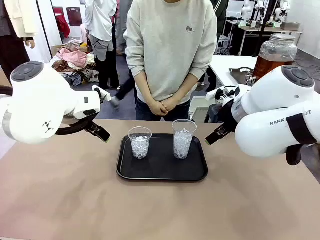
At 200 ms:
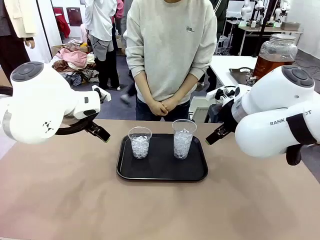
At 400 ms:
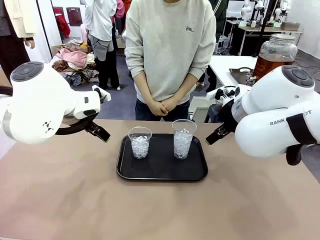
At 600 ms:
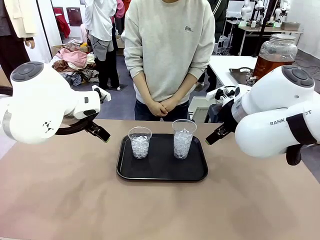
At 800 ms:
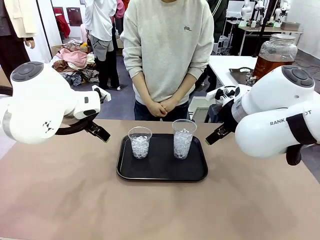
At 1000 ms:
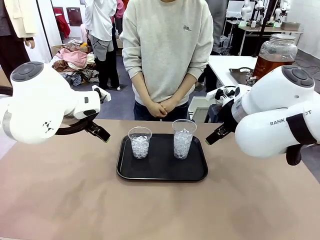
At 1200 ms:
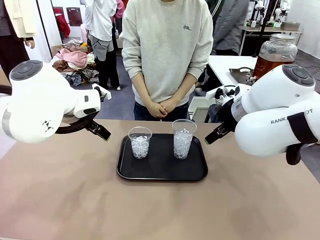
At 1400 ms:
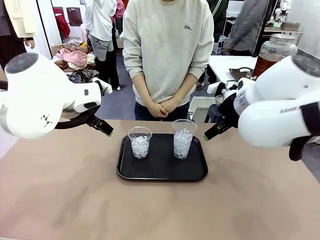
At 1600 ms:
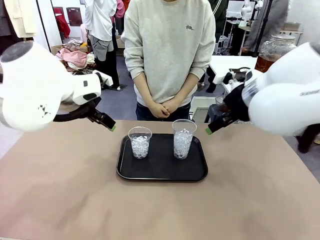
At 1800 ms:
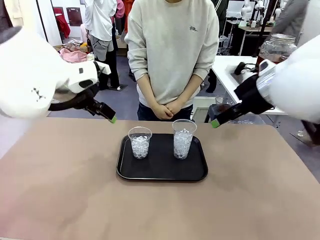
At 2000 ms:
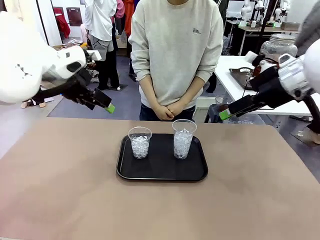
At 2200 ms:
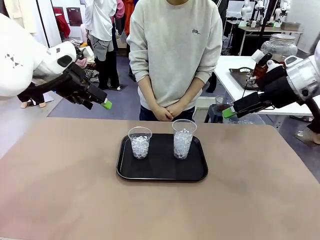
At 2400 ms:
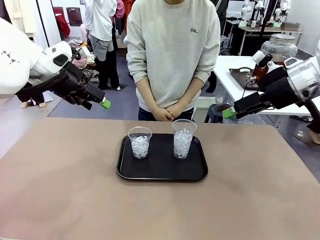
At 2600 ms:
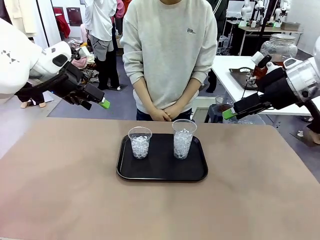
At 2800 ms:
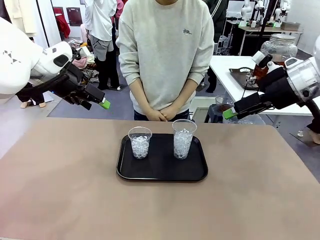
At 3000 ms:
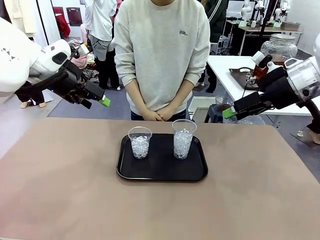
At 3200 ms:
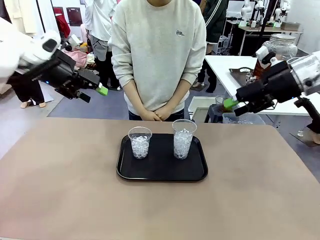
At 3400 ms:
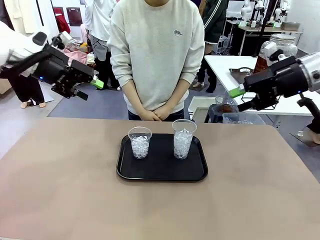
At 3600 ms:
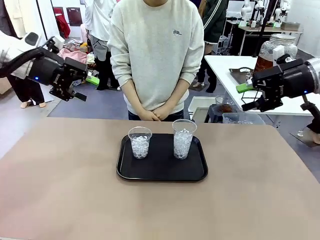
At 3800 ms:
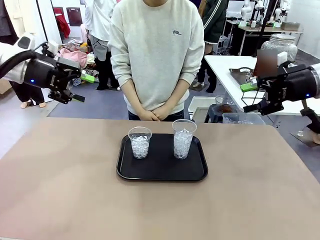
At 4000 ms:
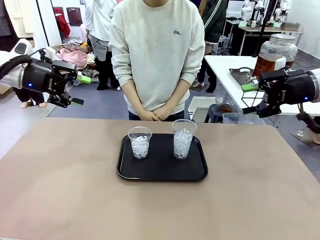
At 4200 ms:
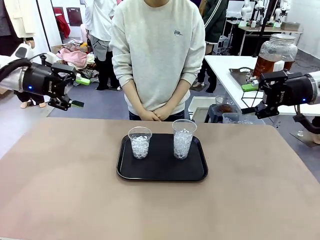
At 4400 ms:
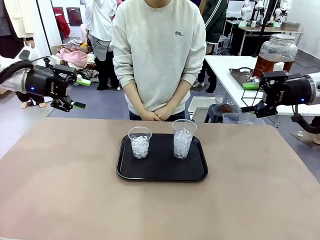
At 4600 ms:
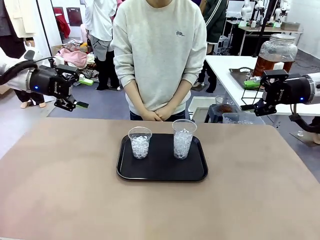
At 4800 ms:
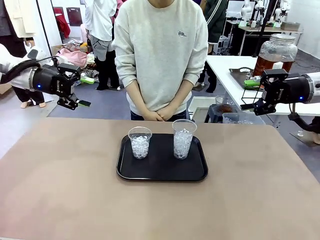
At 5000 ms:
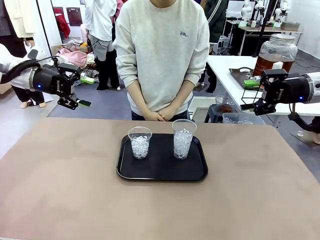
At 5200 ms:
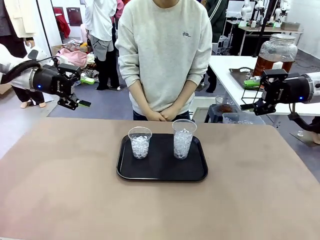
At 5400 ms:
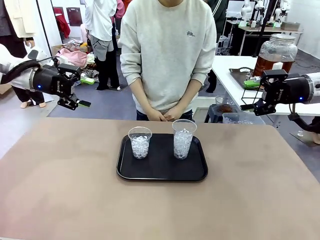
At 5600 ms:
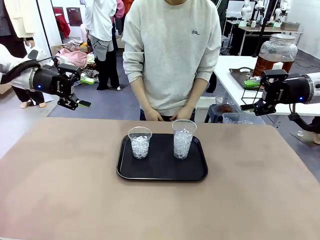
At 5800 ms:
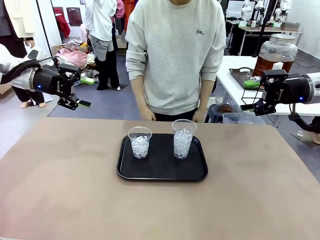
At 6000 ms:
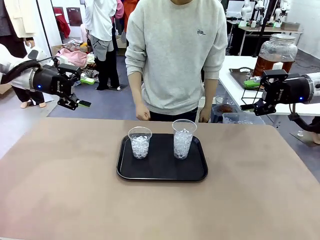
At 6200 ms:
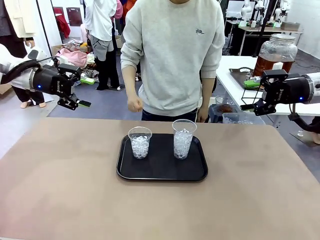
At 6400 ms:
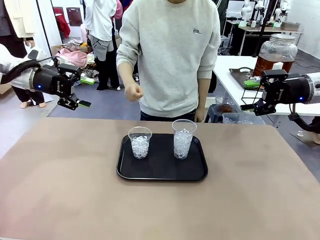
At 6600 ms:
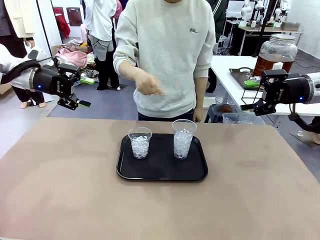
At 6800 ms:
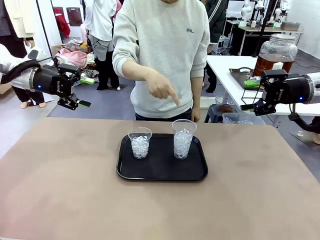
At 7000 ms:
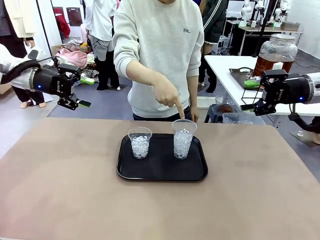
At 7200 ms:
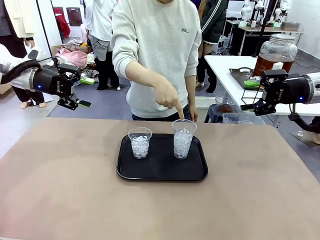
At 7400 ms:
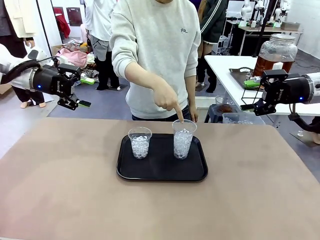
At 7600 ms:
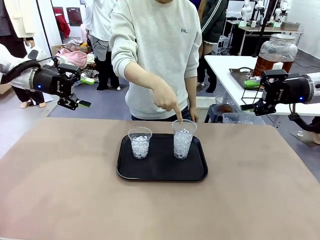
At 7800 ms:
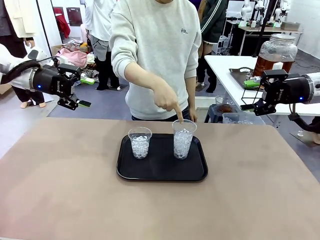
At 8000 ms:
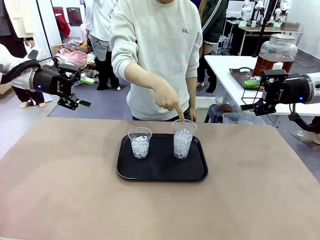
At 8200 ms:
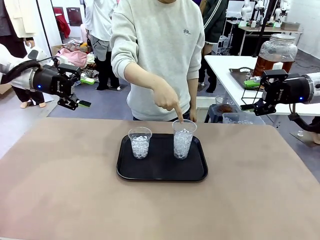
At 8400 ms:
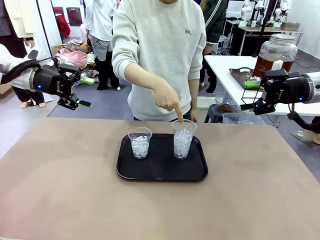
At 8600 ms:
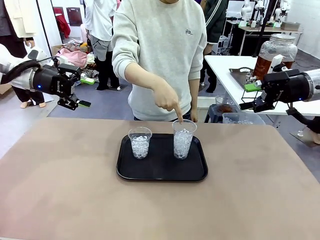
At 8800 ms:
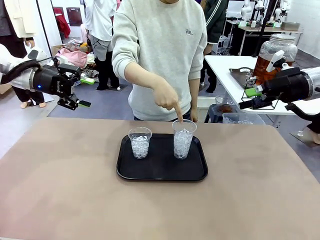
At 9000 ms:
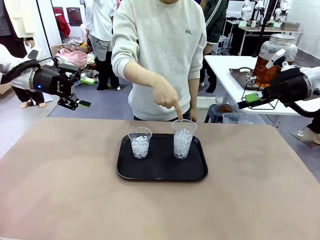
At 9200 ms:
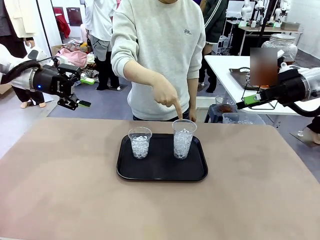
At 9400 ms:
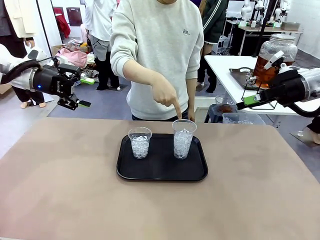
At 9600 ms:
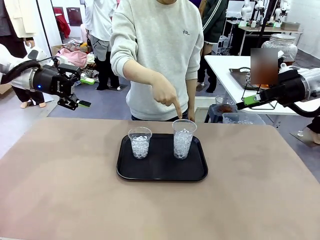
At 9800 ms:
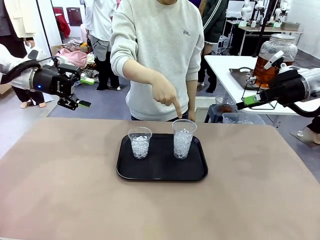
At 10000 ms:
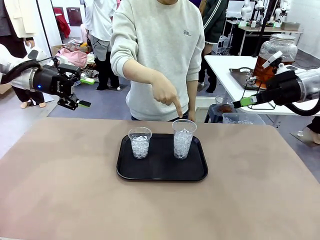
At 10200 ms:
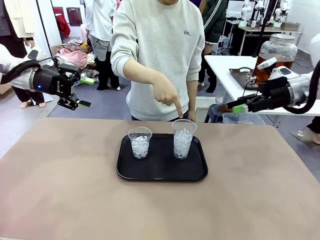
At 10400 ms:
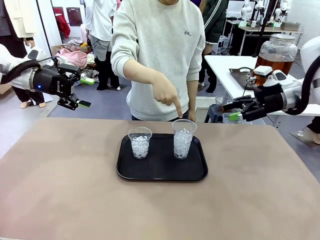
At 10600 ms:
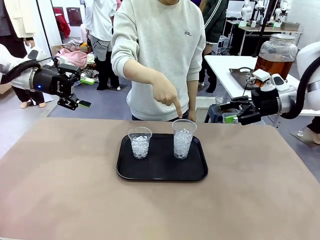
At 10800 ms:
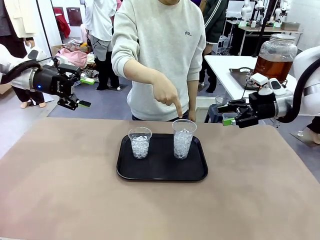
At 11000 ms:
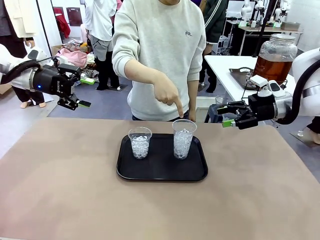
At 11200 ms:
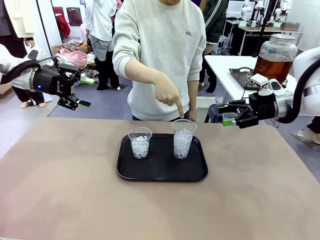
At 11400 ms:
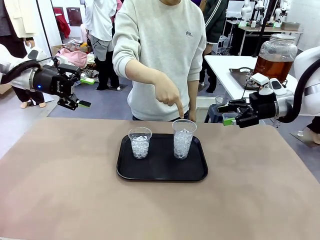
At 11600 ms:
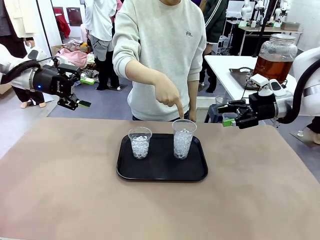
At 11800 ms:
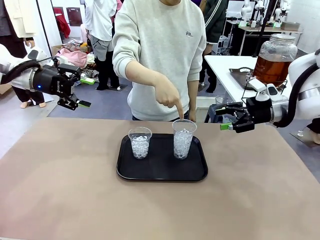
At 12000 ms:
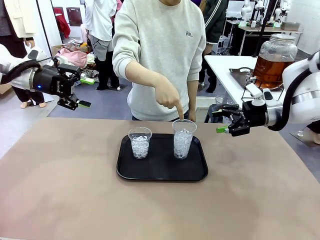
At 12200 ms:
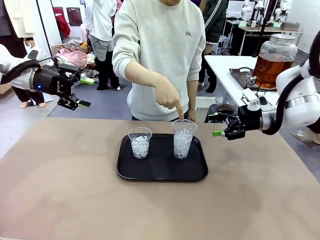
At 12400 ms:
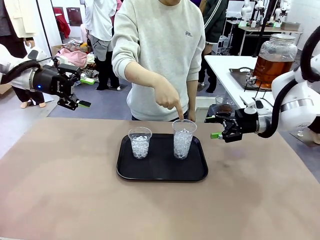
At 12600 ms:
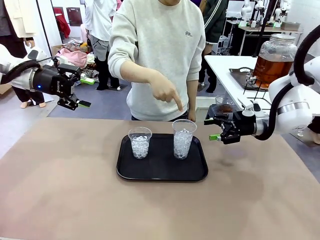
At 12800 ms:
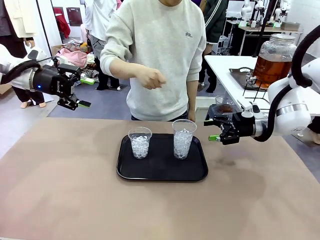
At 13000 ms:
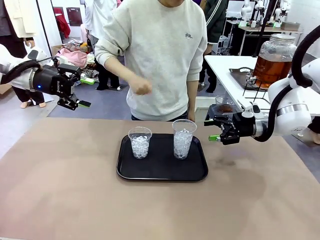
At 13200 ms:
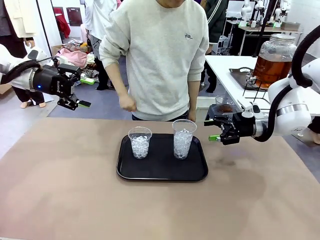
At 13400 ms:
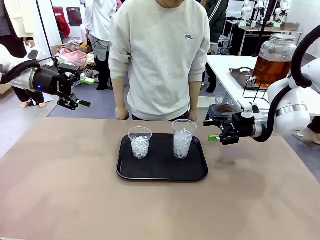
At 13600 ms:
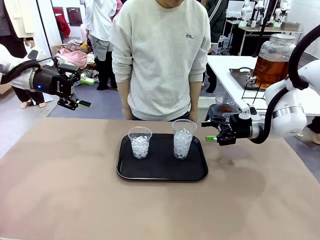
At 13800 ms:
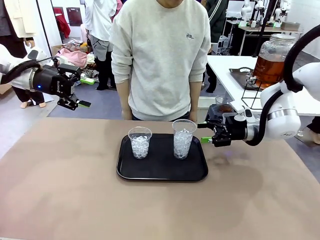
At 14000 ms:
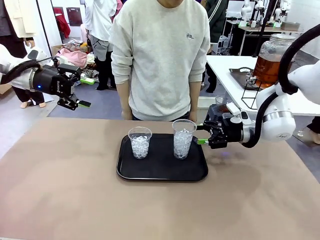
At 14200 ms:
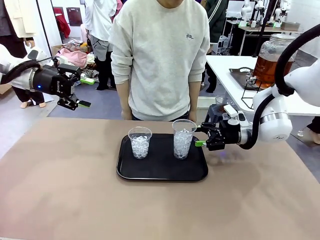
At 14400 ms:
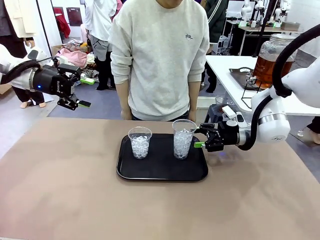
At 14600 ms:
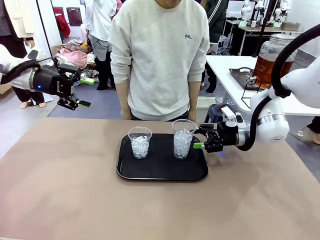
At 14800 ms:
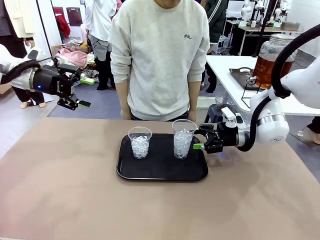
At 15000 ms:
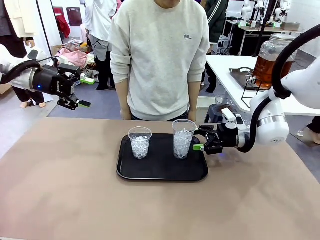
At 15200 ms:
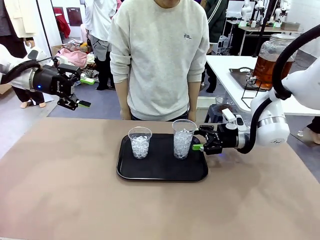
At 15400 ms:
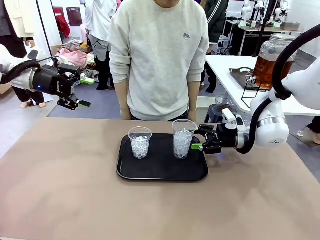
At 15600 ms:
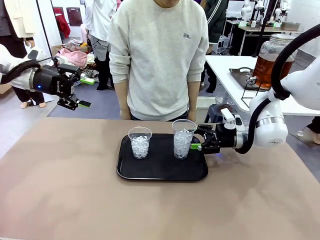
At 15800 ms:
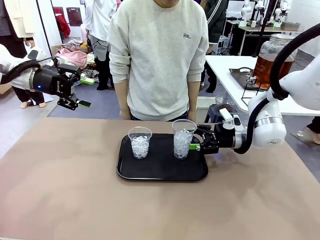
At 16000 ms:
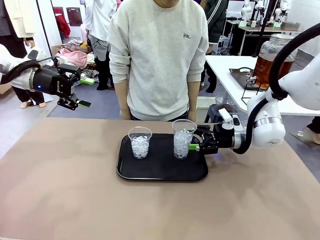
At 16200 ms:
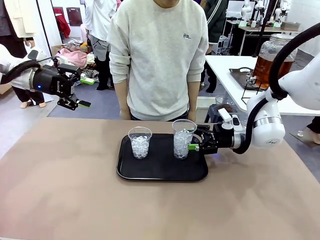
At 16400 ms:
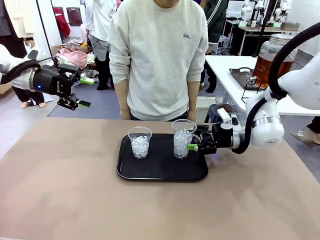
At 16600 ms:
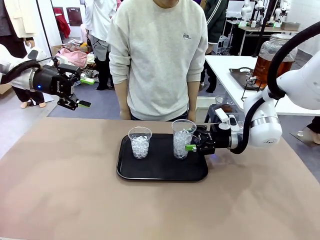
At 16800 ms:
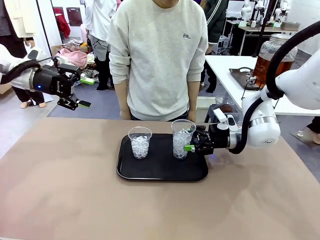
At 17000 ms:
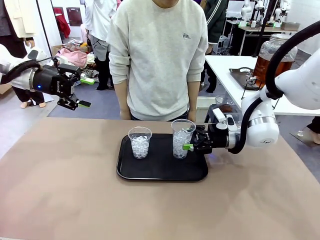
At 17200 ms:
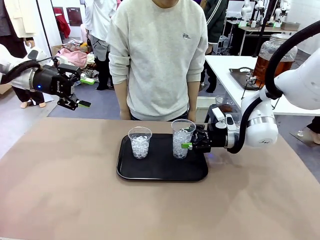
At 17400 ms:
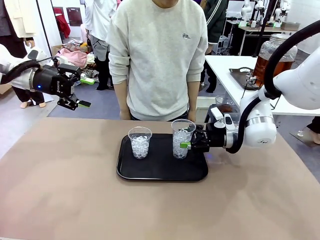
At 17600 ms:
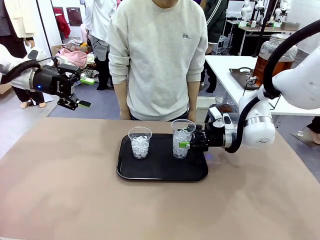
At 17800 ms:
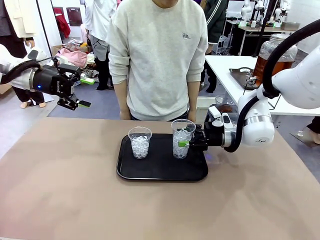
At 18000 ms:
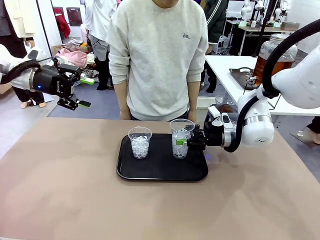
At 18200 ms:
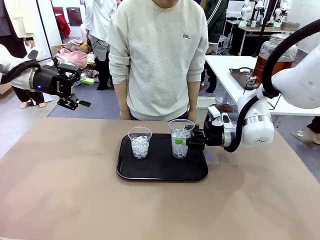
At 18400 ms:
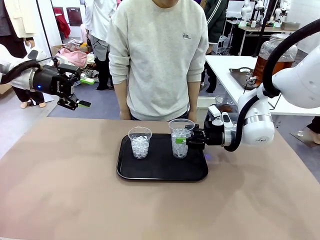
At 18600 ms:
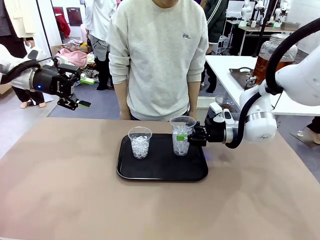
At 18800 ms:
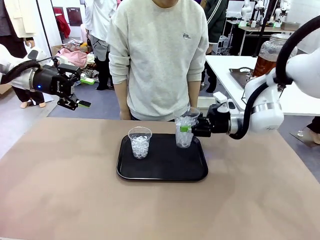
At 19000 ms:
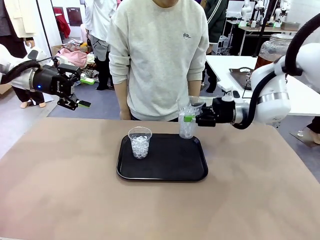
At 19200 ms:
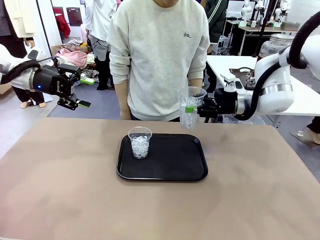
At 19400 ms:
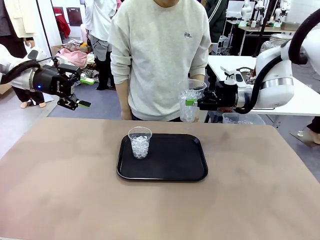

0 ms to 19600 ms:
Task: Pour the drink into the iced cup.
Robot: Pick up the iced cup indicated by the human and present it to them.
Person: Point to one of the two ice cups. Pick up the cup offered by the robot.

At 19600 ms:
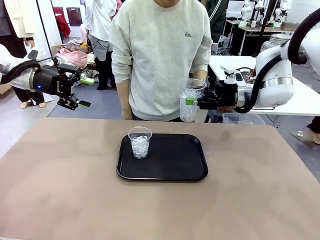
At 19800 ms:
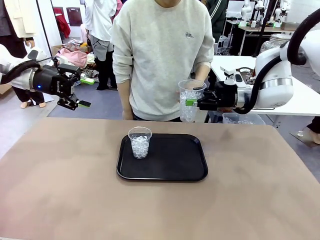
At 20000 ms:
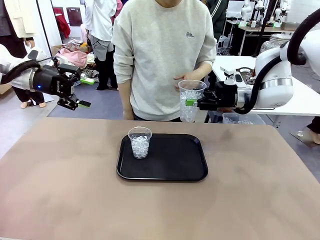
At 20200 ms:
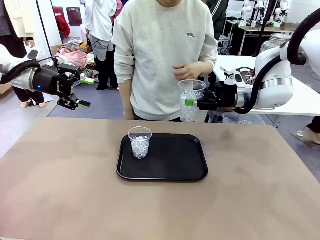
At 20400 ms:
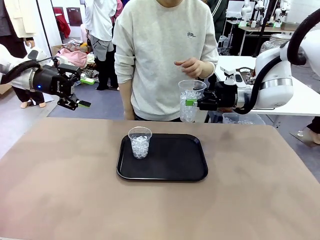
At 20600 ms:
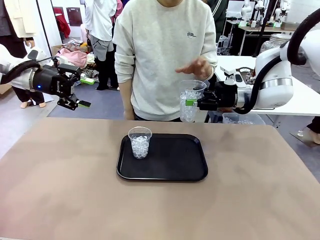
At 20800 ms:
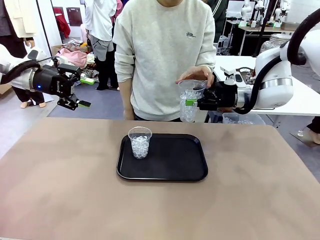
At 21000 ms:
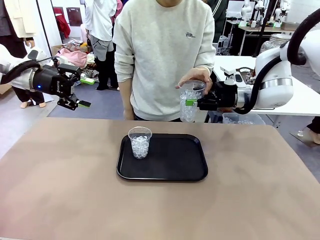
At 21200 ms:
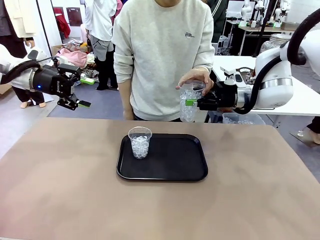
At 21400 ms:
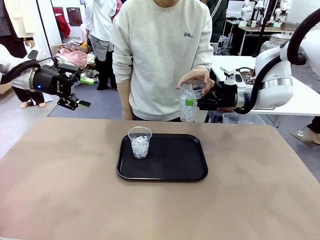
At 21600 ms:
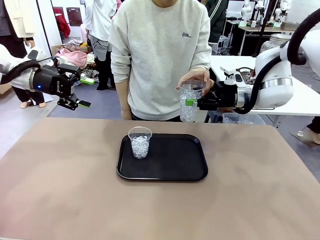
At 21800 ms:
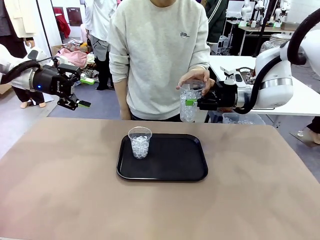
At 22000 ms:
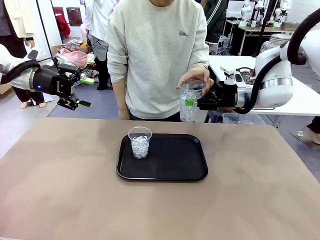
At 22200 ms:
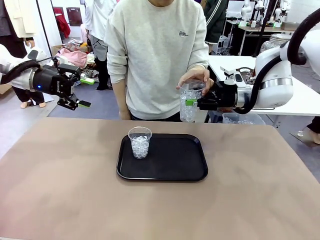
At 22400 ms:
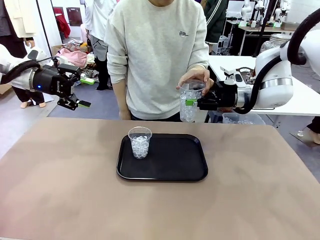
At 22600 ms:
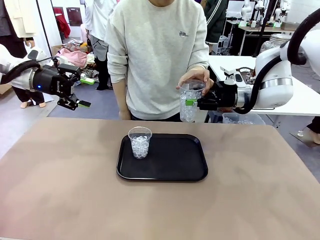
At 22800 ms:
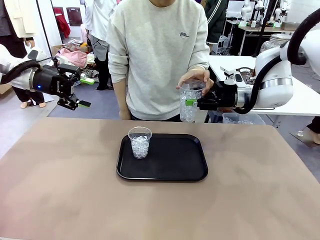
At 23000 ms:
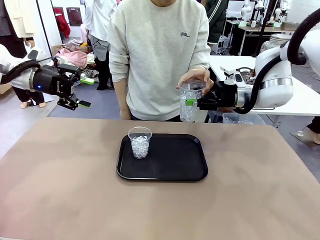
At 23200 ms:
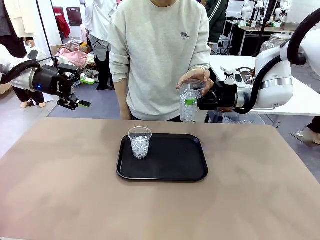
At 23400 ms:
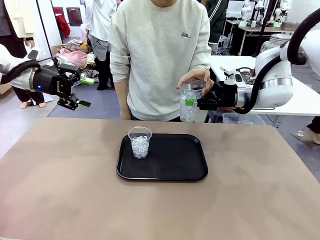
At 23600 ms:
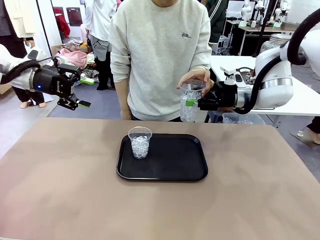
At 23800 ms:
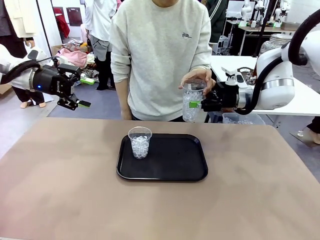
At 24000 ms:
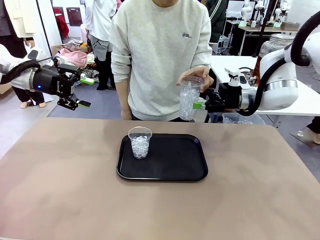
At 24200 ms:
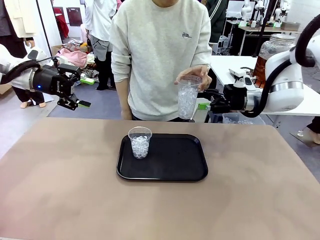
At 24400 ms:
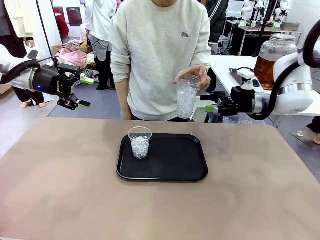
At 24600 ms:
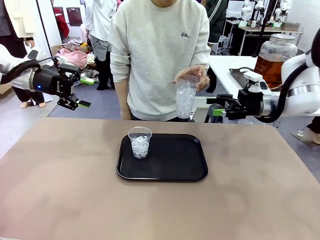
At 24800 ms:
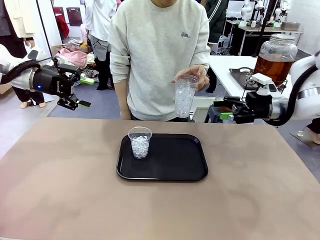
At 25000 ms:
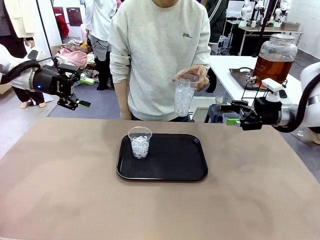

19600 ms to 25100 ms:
Robot: Open the gripper to release the iced cup you were holding.
